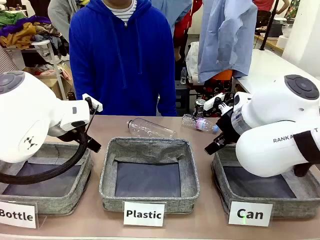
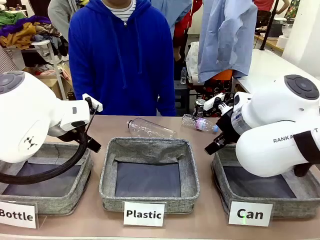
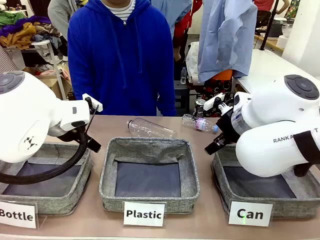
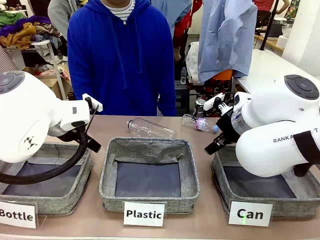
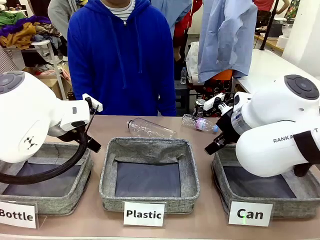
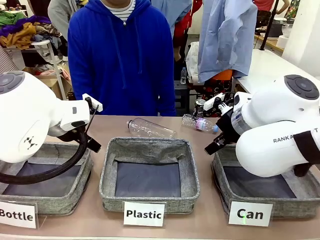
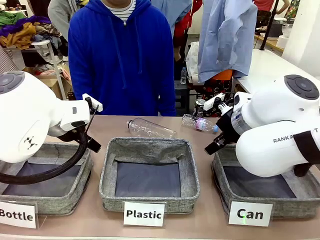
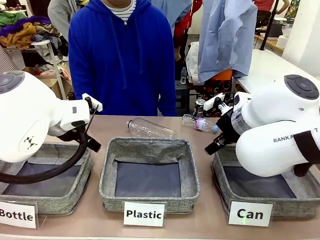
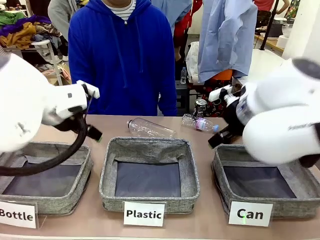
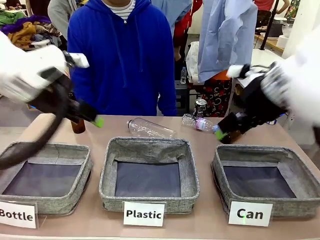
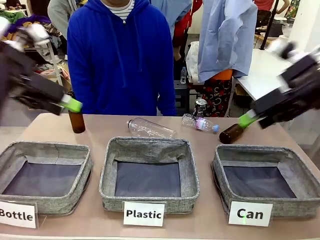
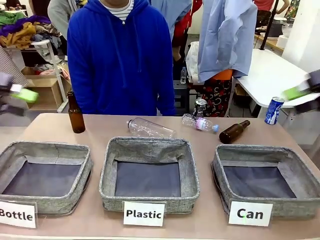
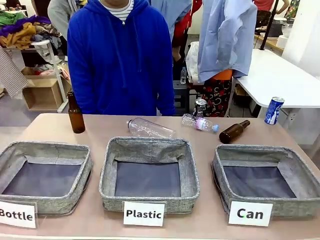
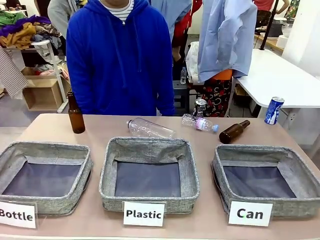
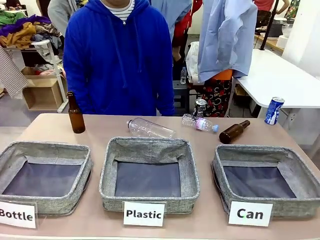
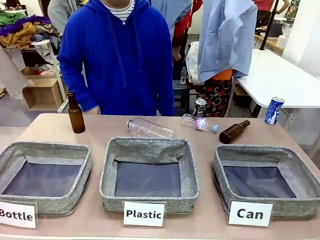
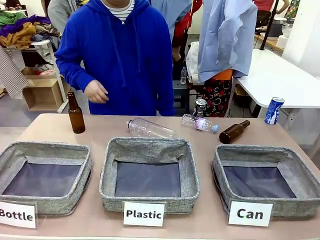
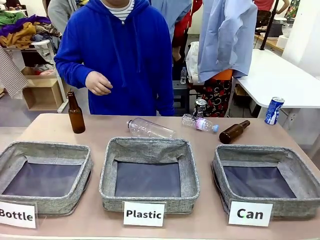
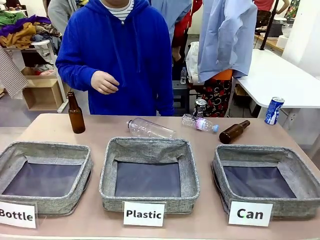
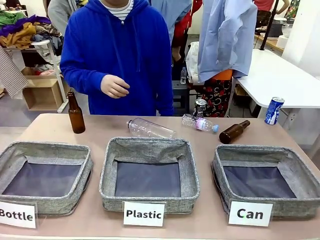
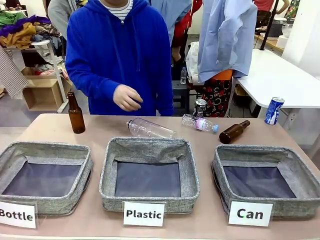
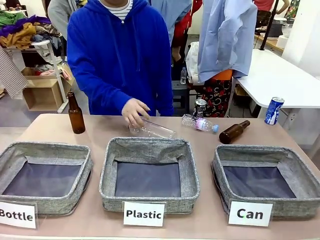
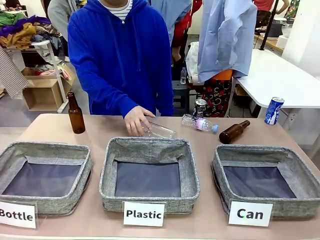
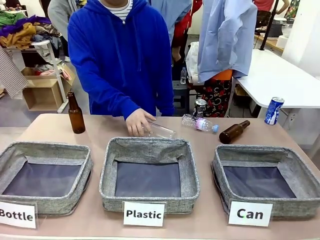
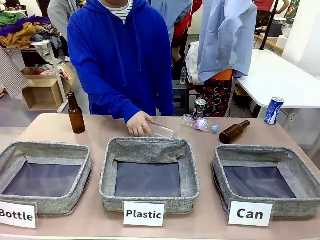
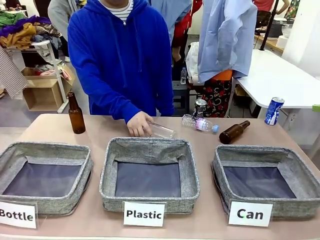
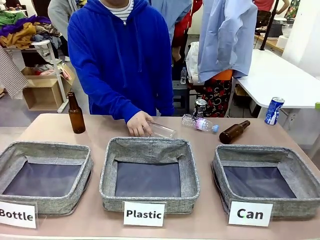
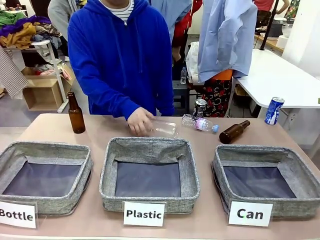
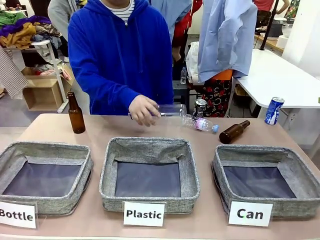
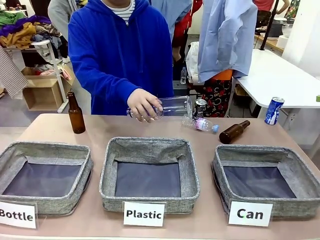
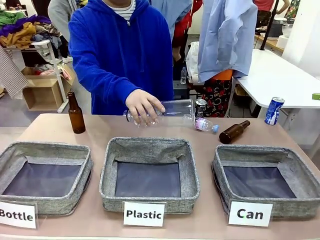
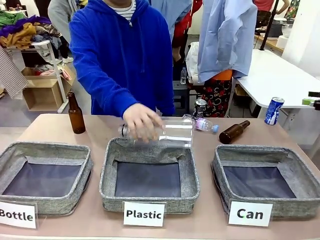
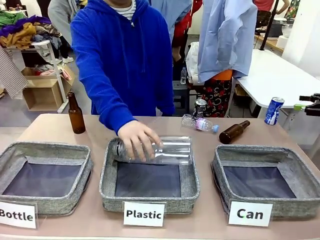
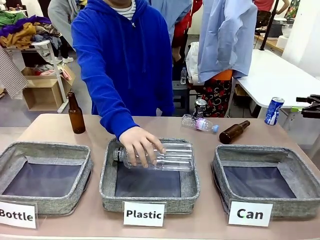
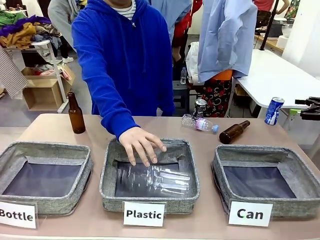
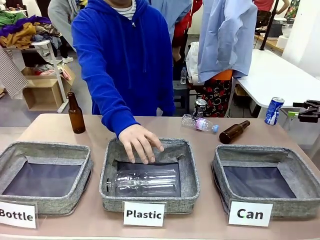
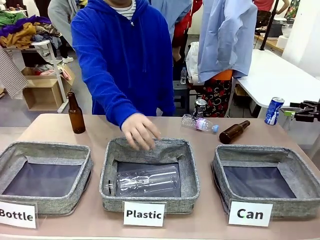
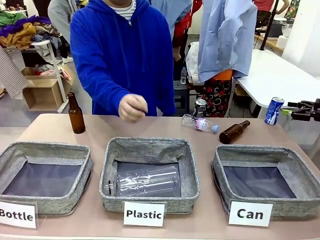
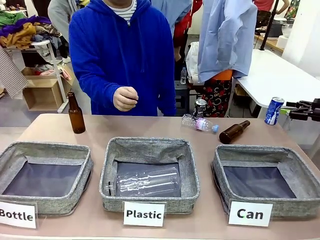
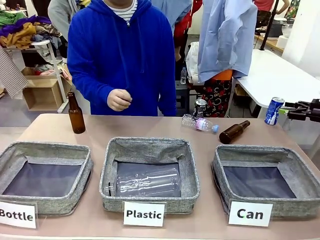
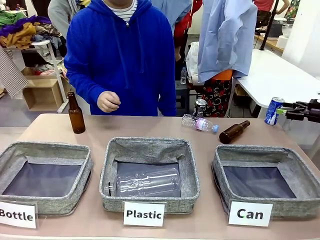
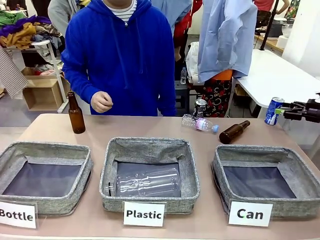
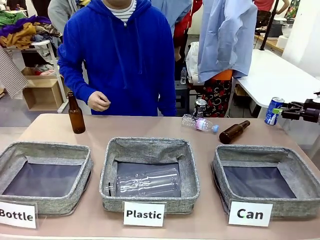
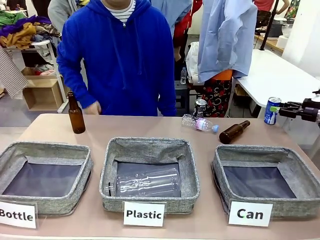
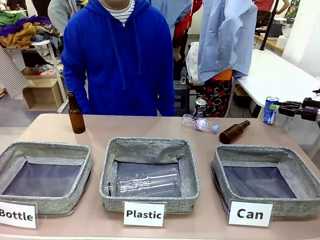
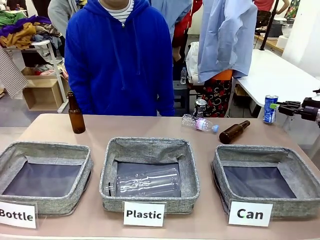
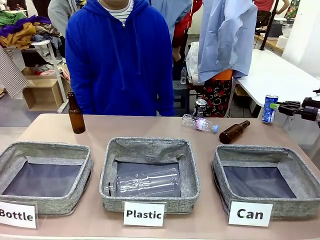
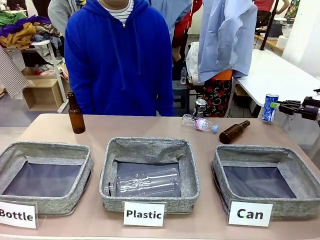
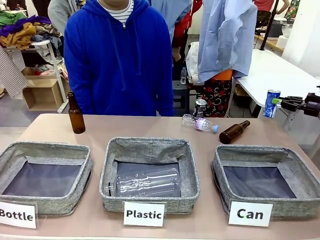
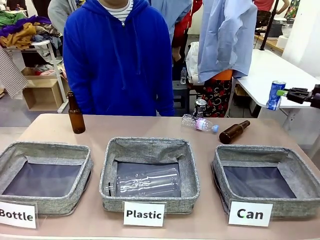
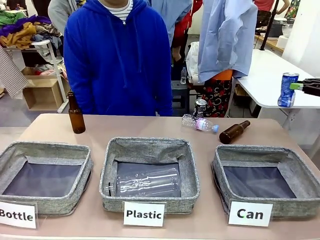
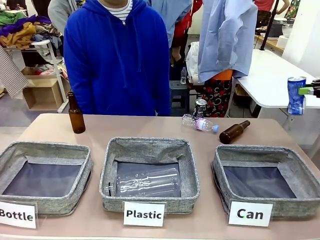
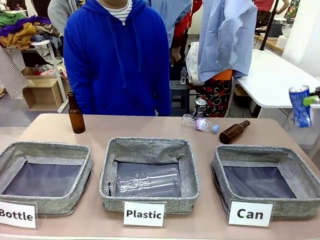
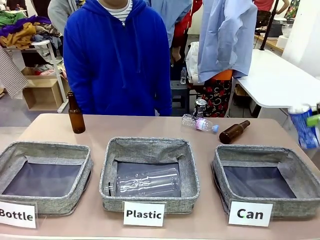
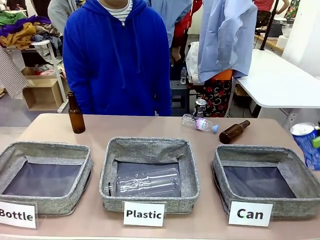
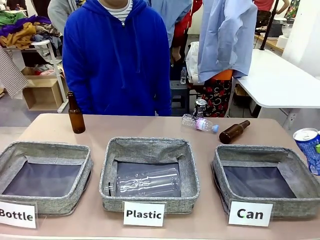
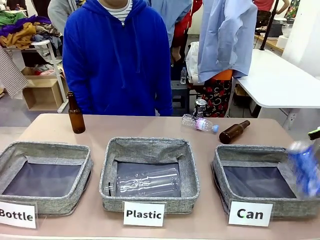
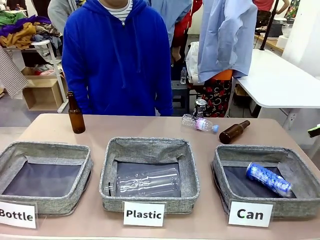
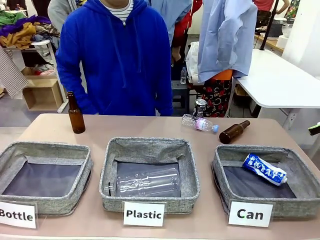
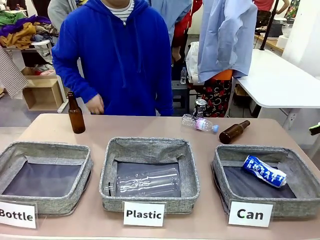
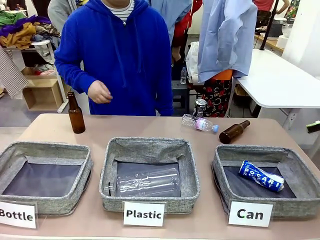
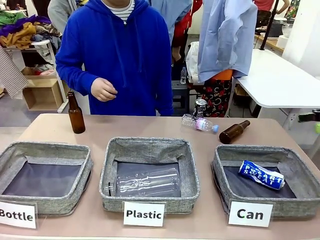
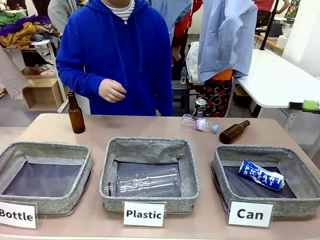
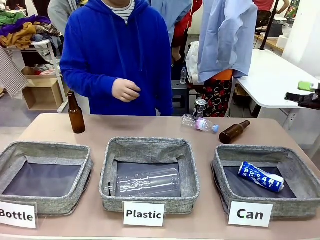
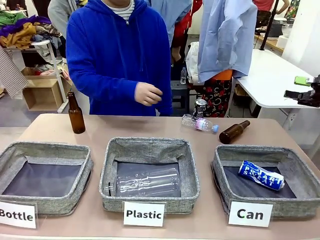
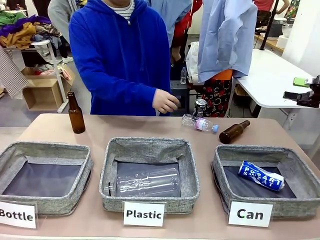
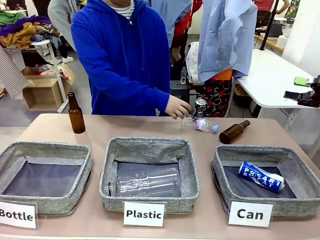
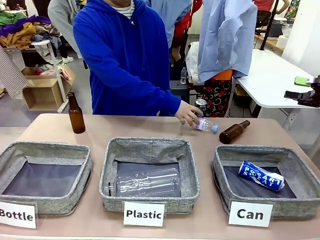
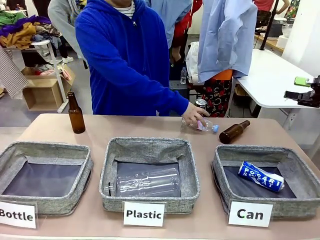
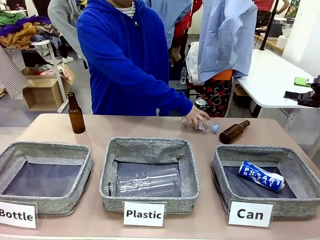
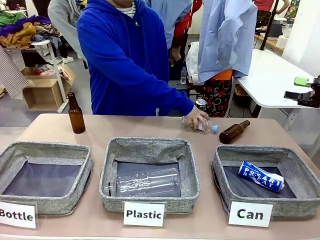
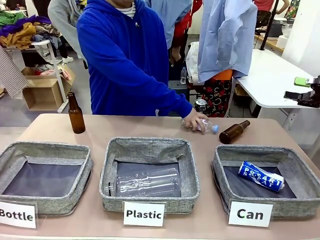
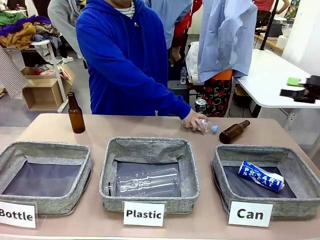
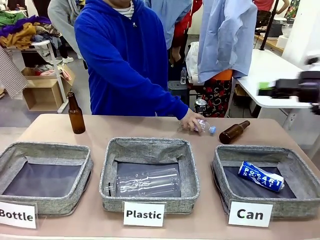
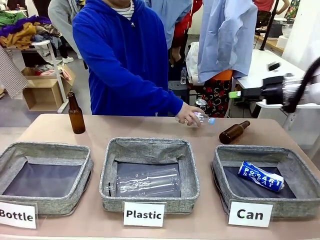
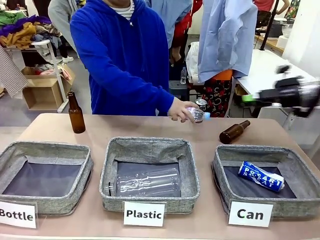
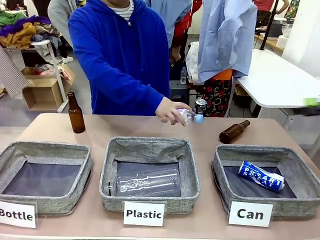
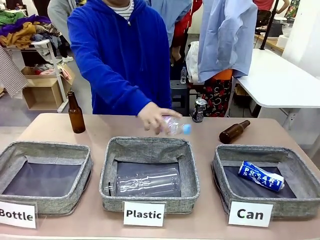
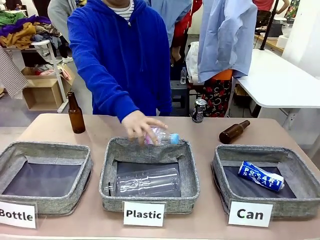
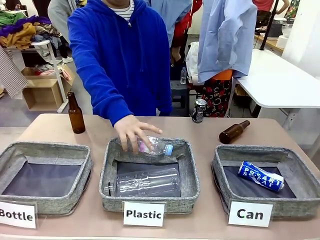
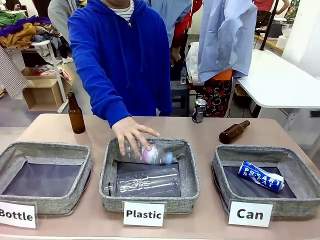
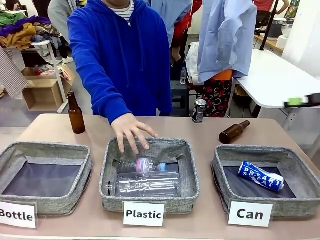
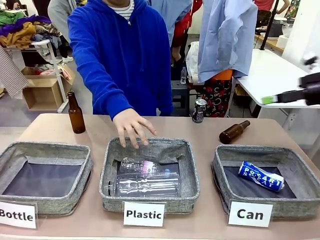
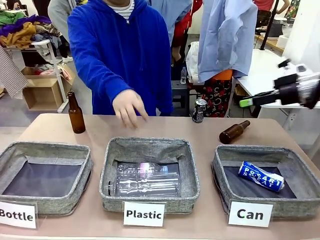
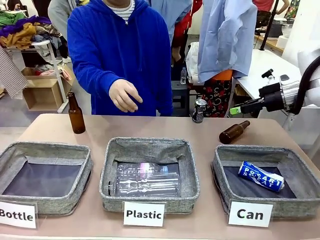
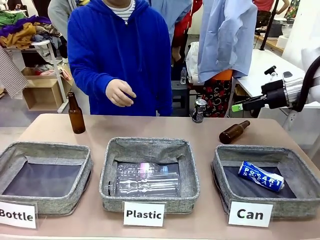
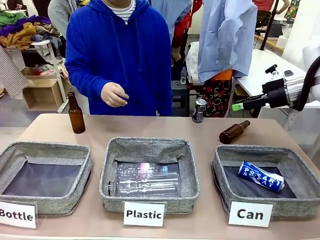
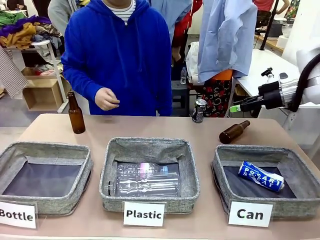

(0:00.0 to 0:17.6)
Task: Sort the can waste into the basket.
Robot: Pick up the can waste from the table and place it in the right Fabric basket.
